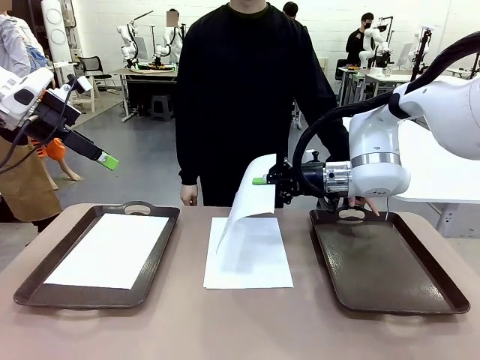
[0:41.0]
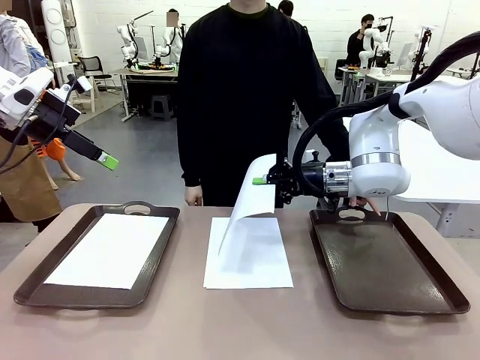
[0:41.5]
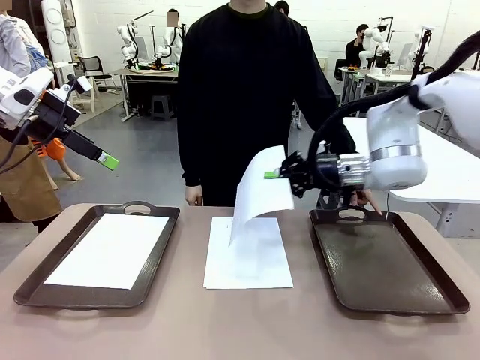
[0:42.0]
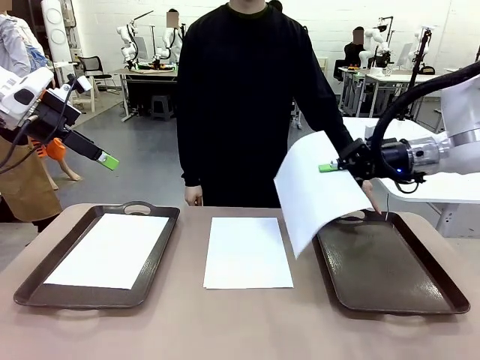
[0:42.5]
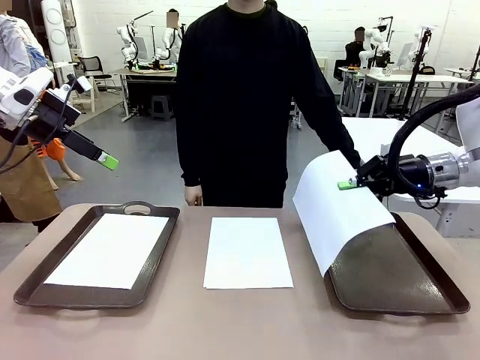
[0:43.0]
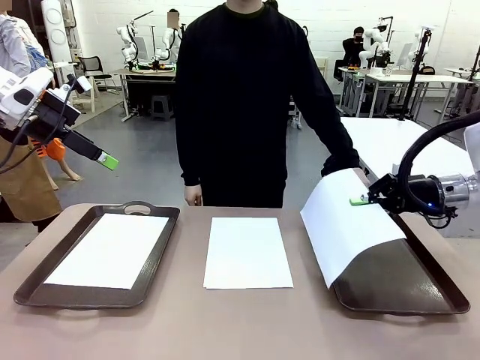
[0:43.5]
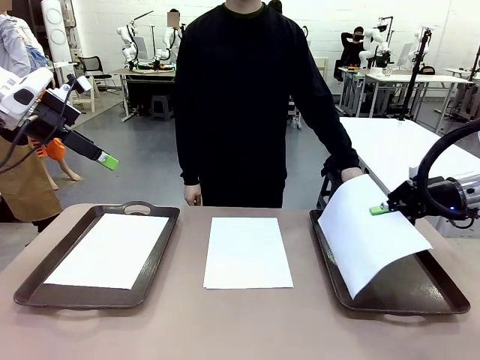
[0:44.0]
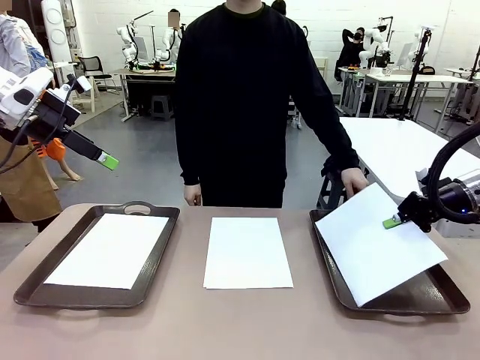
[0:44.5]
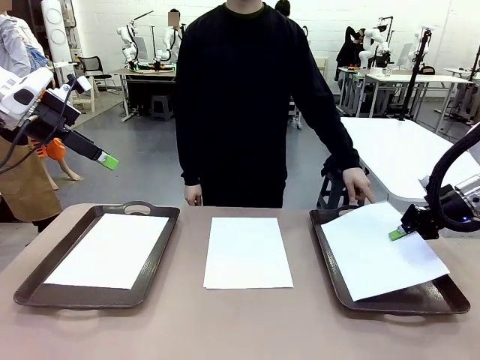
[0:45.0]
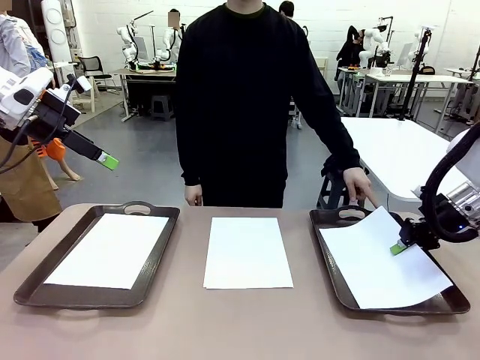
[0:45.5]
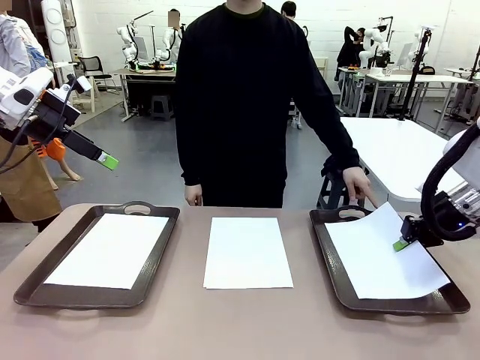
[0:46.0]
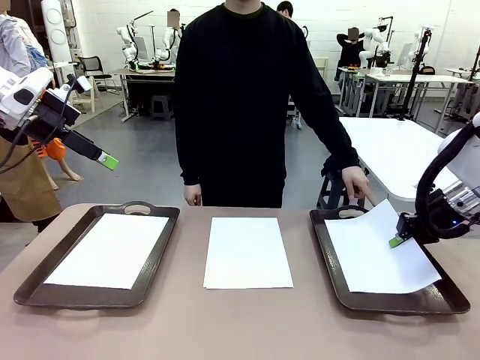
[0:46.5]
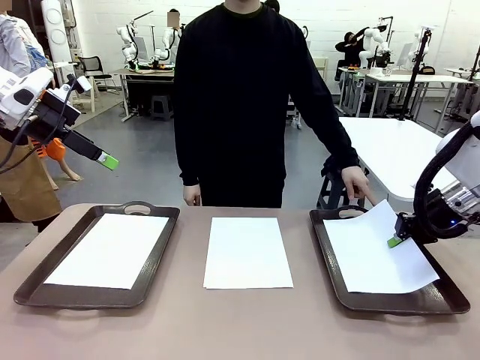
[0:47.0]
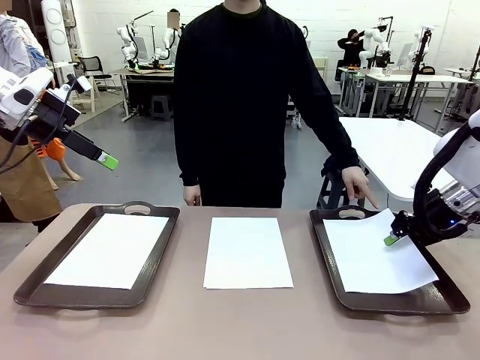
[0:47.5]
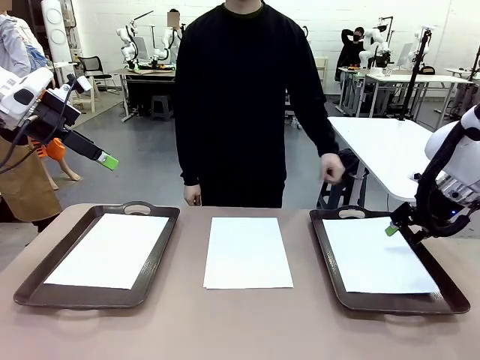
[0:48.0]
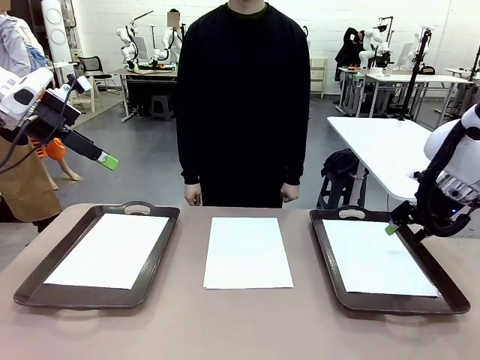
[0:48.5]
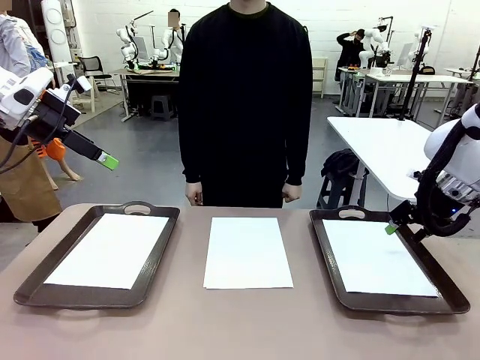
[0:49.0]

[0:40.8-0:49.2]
Task: Sort the A4 documents.
Robot: Place the A4 Paper in the designated Handle tray.

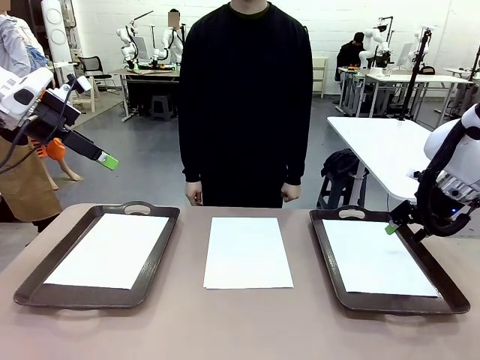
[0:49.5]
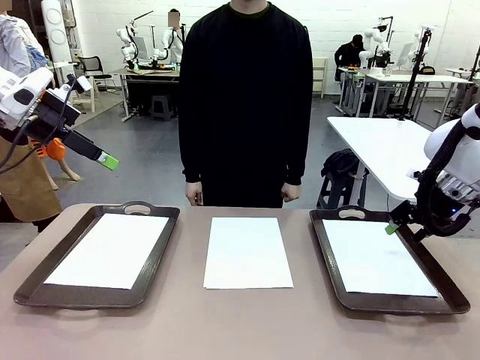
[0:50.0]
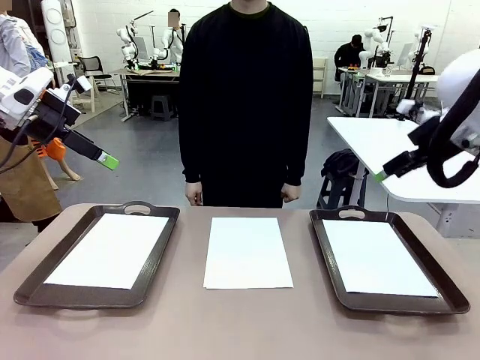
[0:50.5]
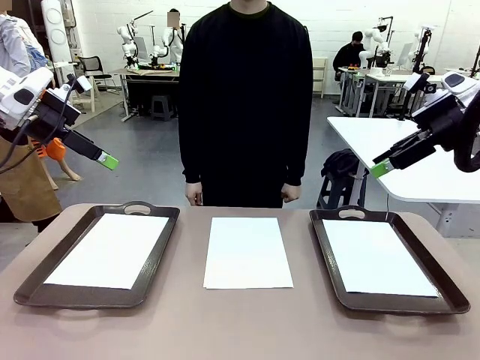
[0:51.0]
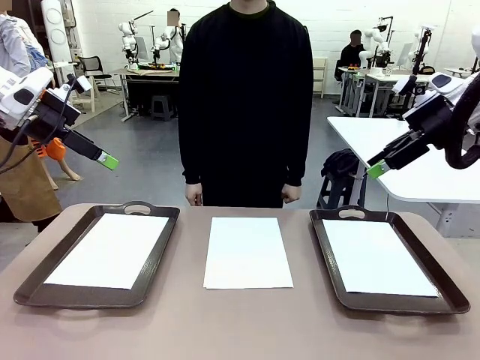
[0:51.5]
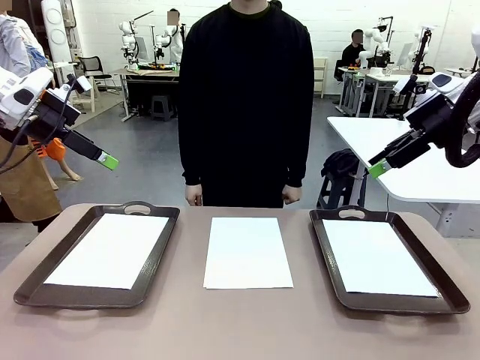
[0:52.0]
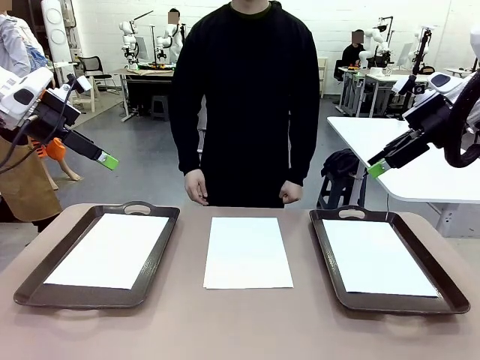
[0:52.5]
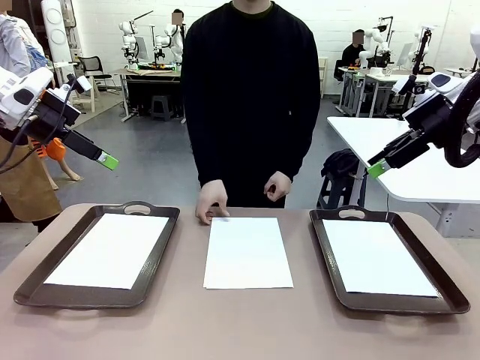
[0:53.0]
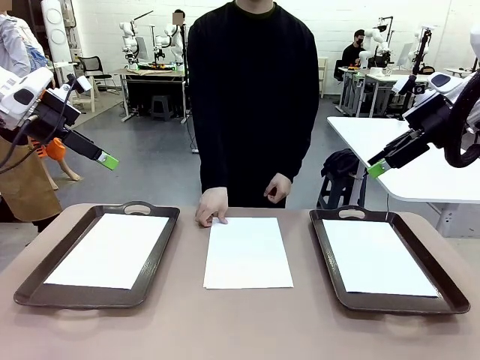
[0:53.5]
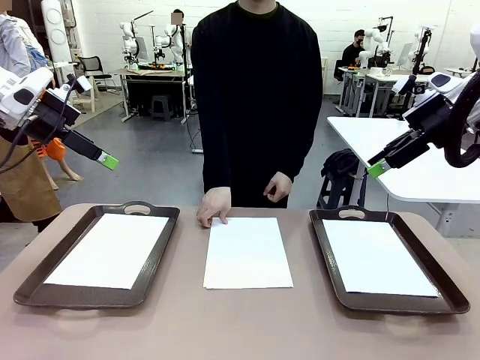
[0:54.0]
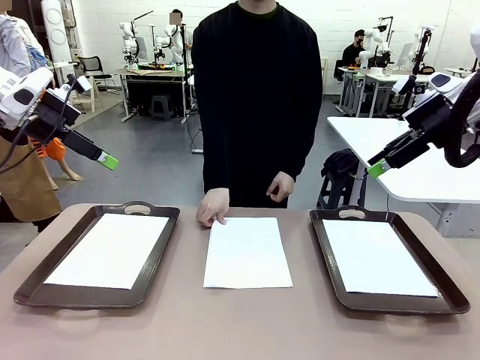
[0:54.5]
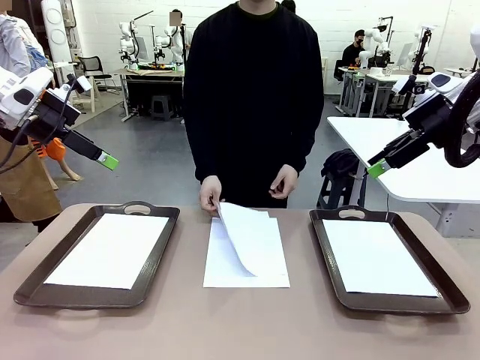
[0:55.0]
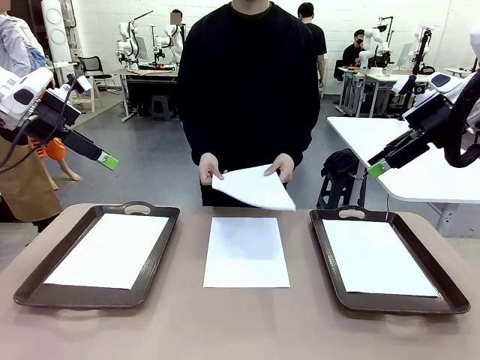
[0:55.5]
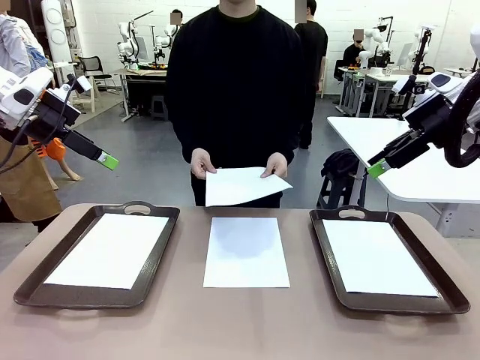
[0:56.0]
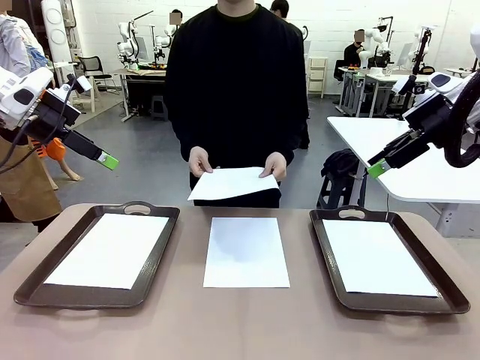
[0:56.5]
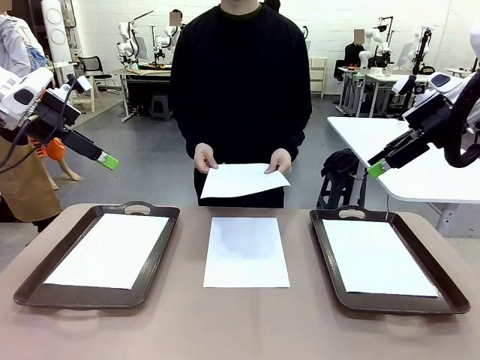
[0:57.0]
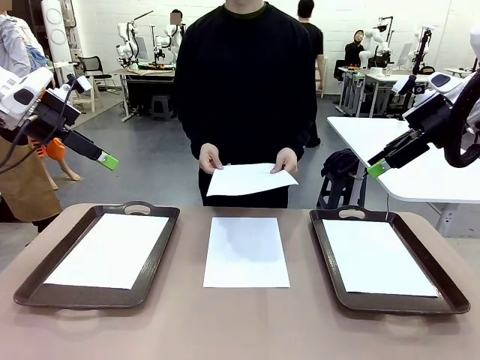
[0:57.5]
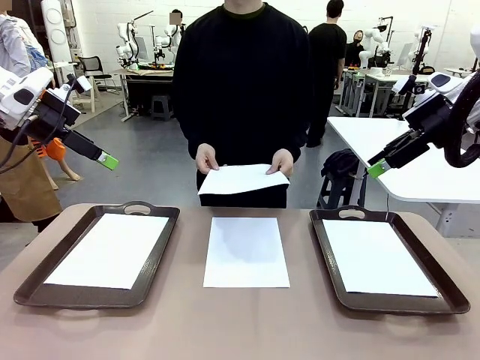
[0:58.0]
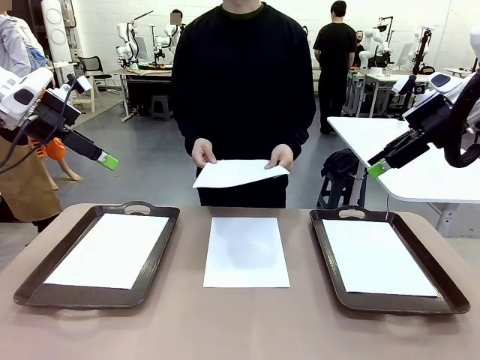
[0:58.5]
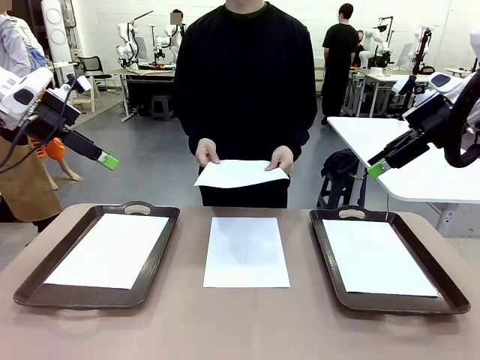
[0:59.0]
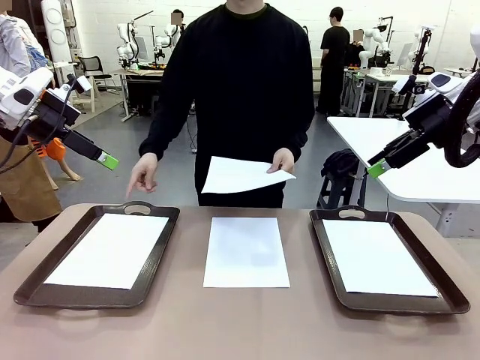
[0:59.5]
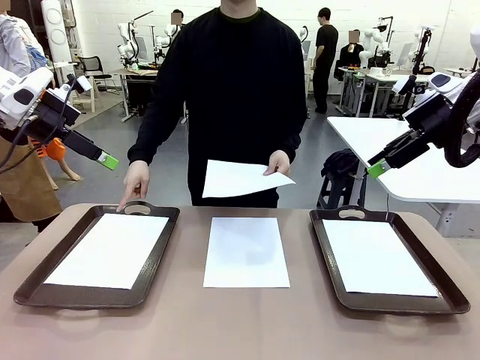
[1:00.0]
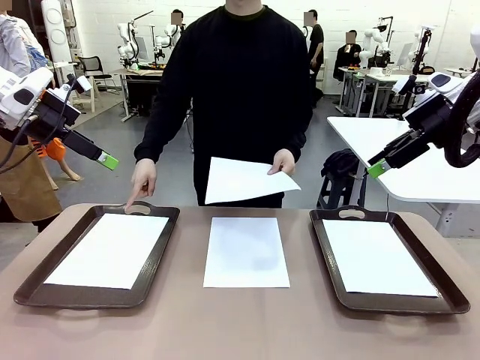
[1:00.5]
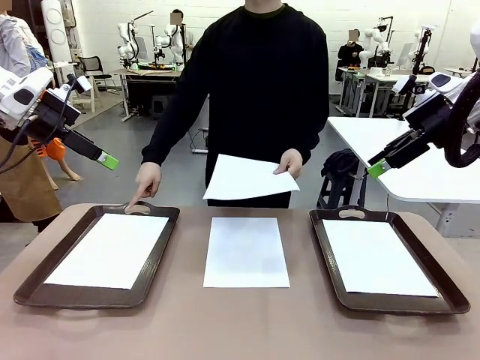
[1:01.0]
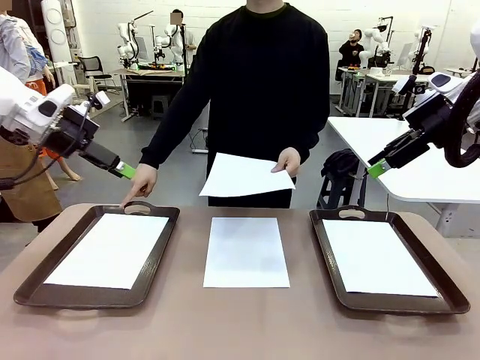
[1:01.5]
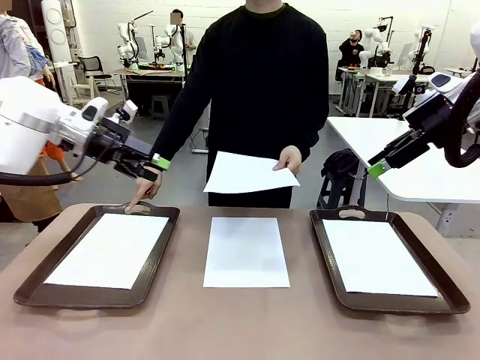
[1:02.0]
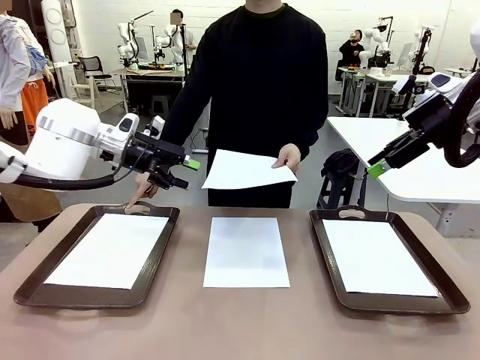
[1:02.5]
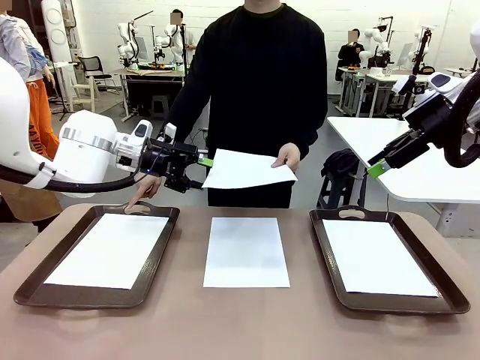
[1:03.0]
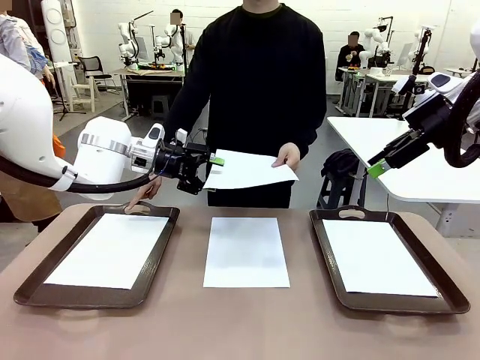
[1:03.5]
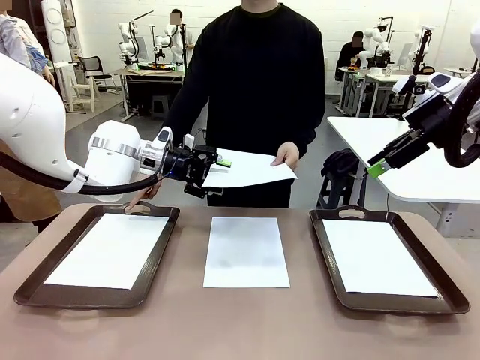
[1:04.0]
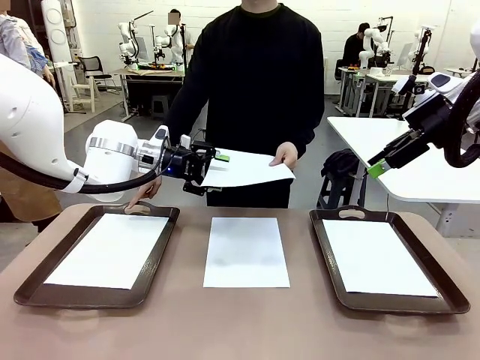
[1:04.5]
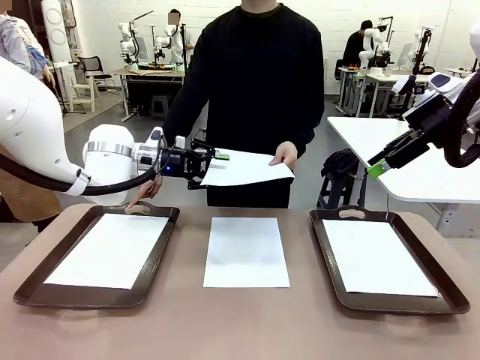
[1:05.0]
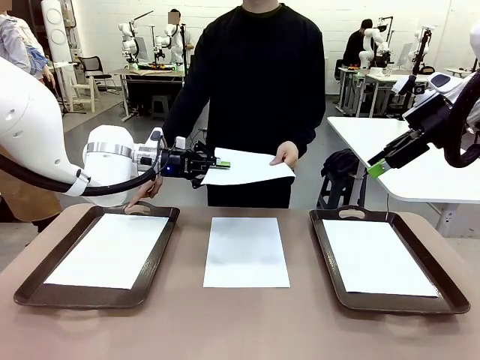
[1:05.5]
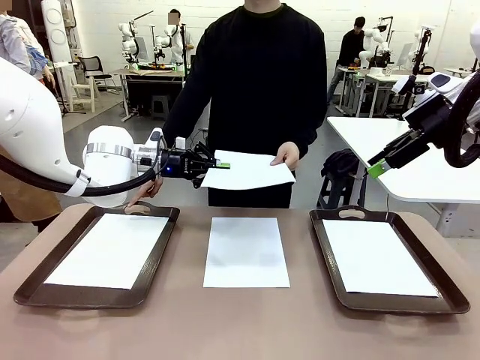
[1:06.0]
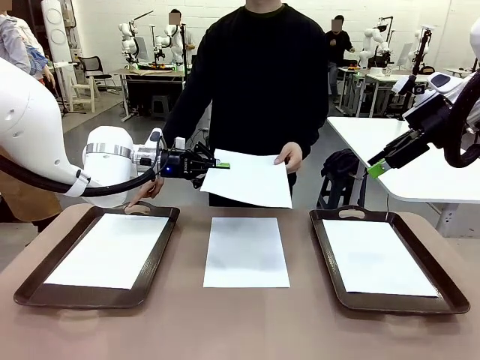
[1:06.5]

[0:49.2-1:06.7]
Robot: Receive the A4 Paper.
Person: Point the randomly selected tray with the other hand.
